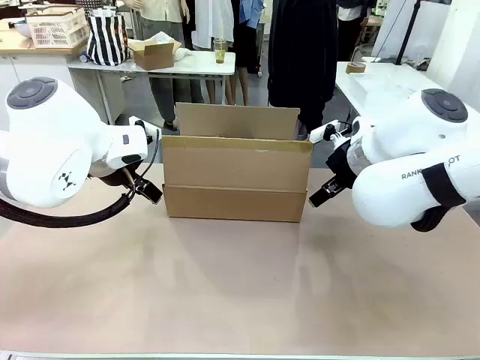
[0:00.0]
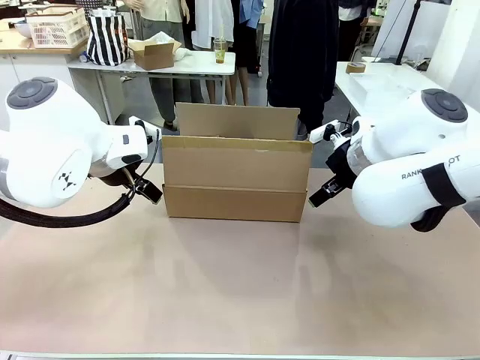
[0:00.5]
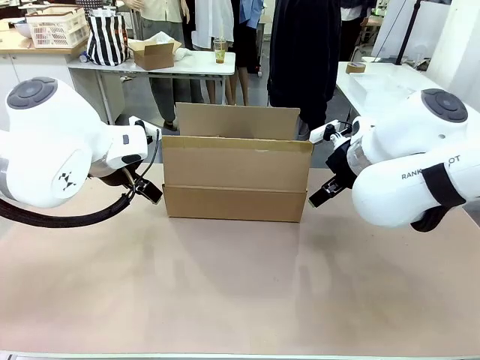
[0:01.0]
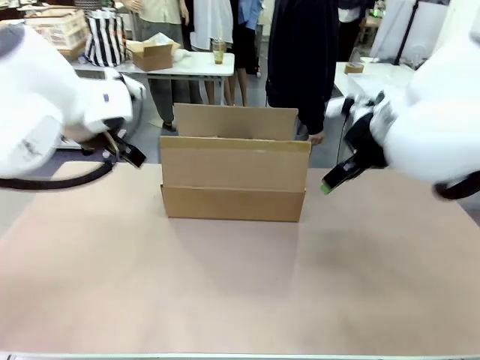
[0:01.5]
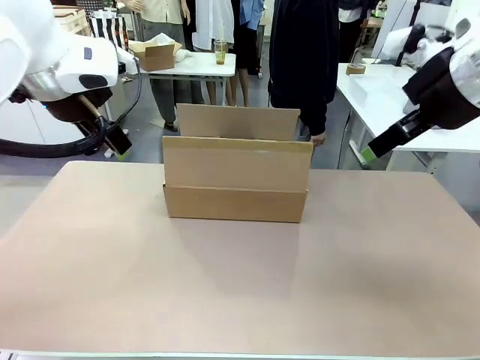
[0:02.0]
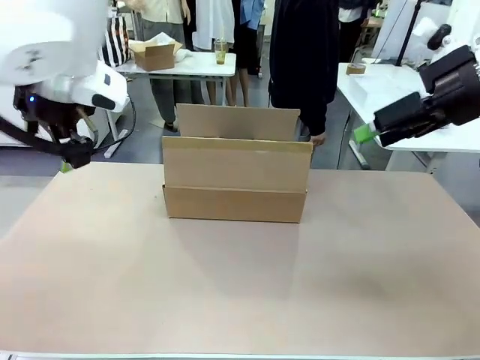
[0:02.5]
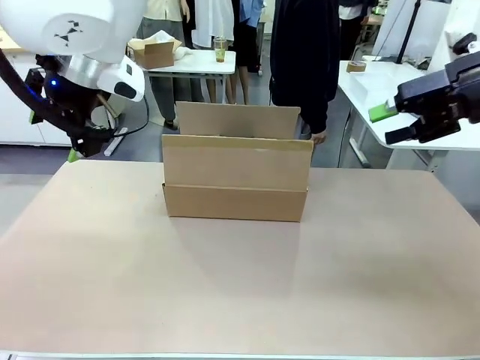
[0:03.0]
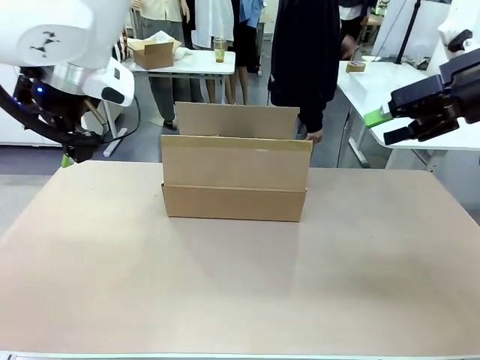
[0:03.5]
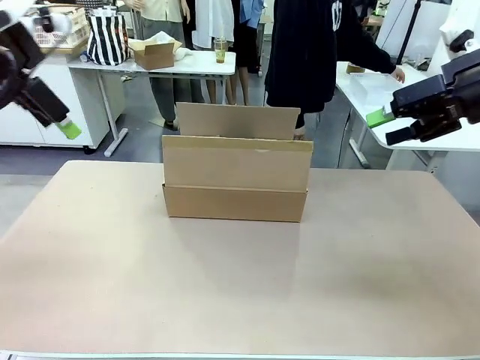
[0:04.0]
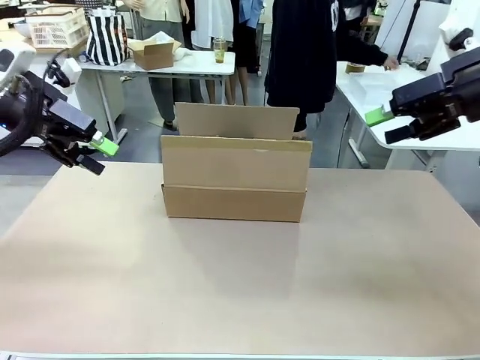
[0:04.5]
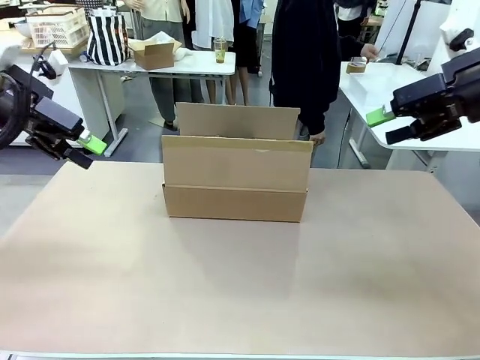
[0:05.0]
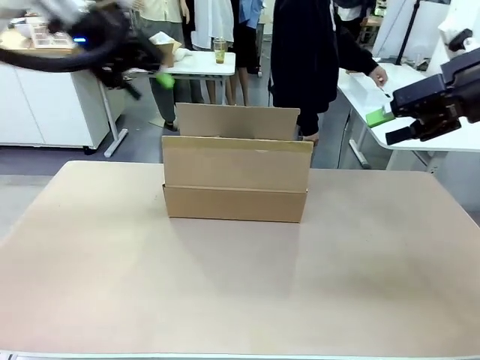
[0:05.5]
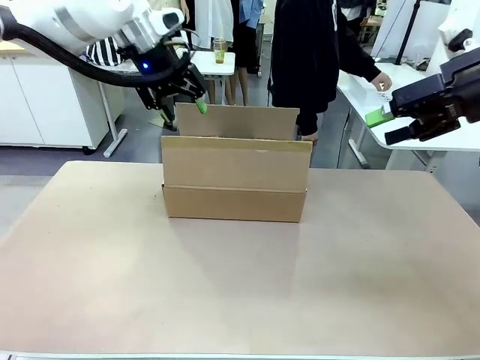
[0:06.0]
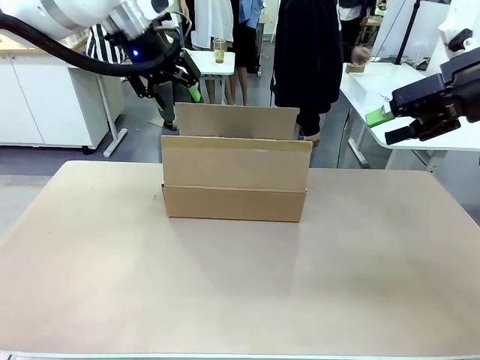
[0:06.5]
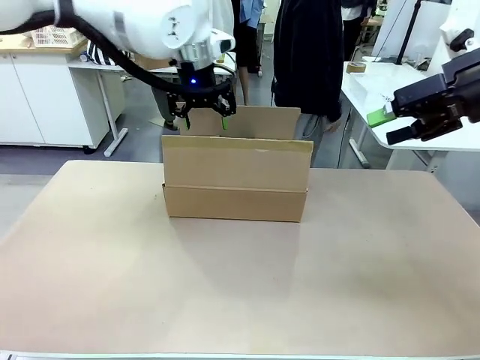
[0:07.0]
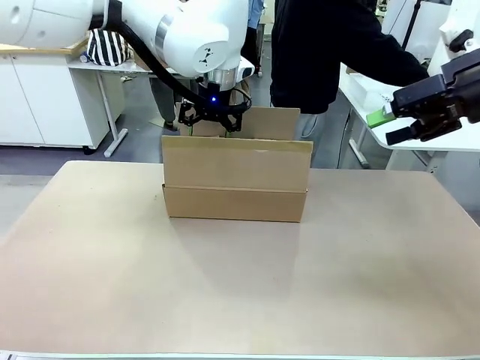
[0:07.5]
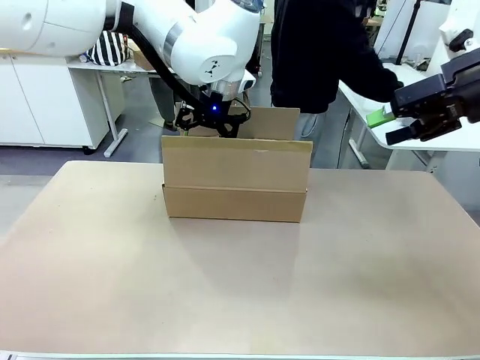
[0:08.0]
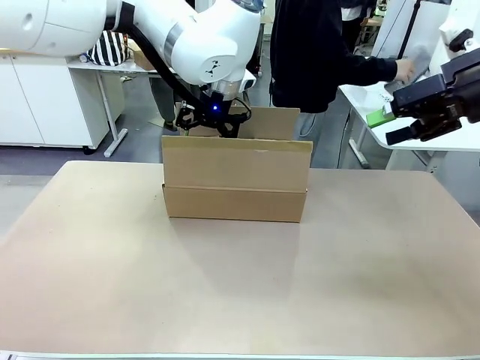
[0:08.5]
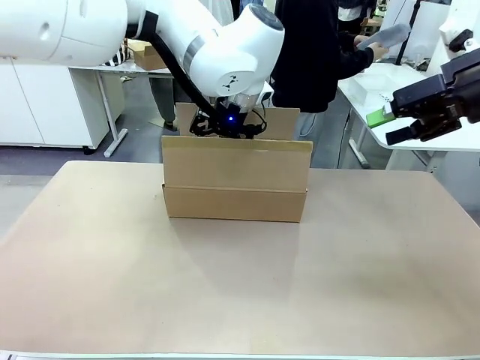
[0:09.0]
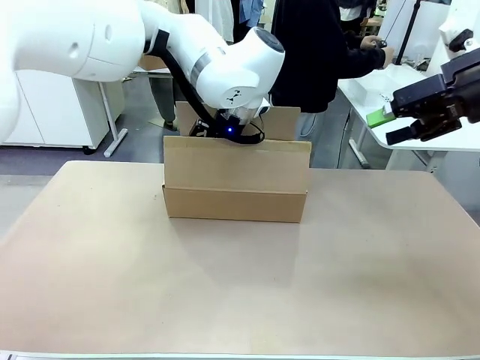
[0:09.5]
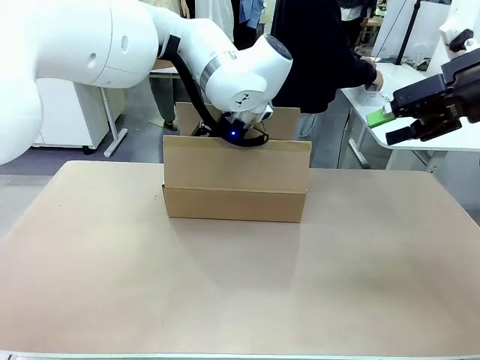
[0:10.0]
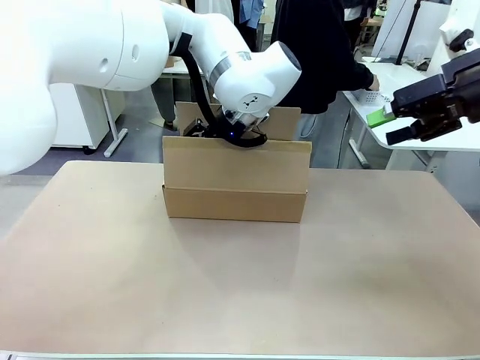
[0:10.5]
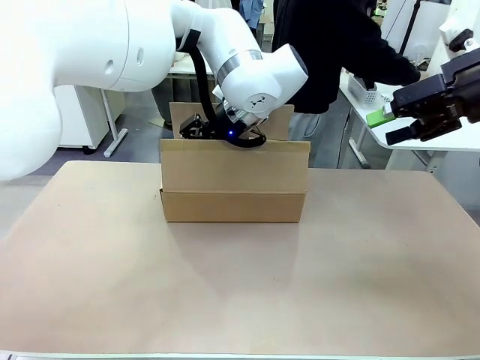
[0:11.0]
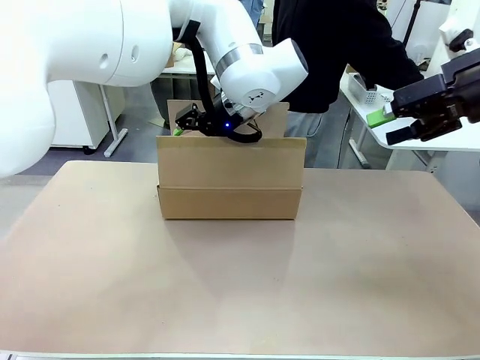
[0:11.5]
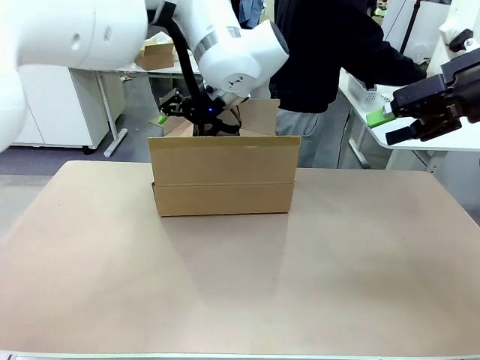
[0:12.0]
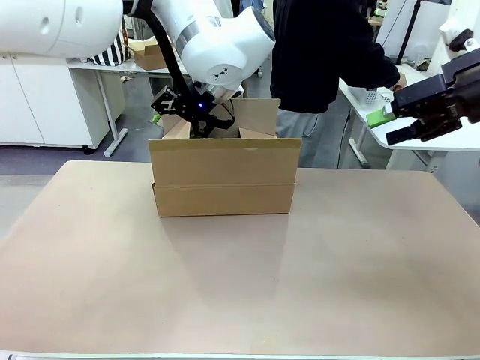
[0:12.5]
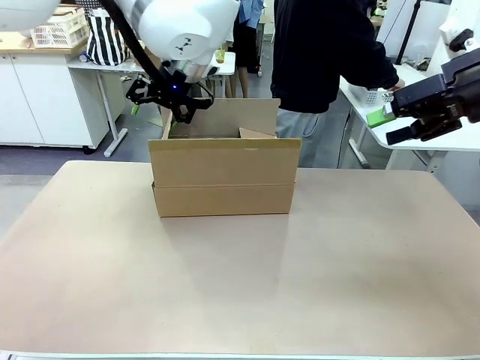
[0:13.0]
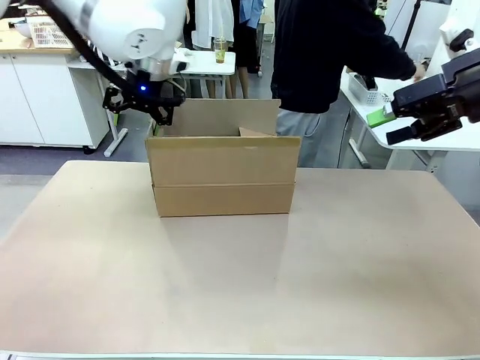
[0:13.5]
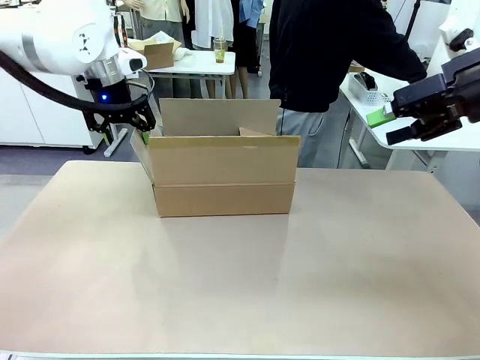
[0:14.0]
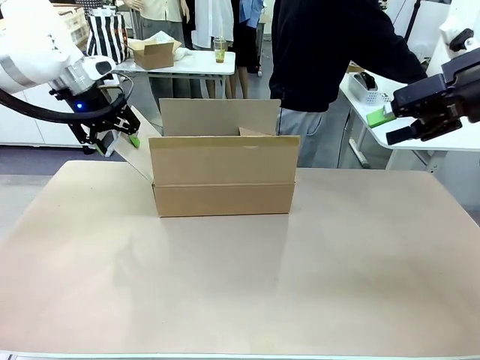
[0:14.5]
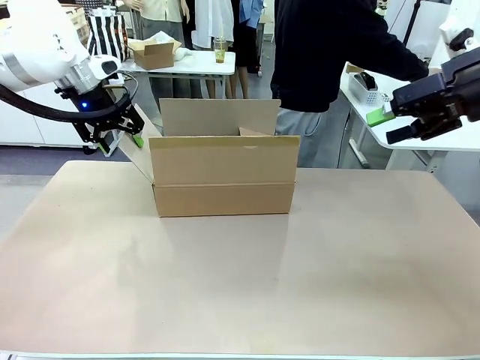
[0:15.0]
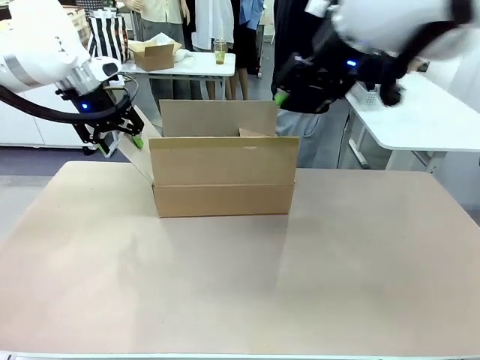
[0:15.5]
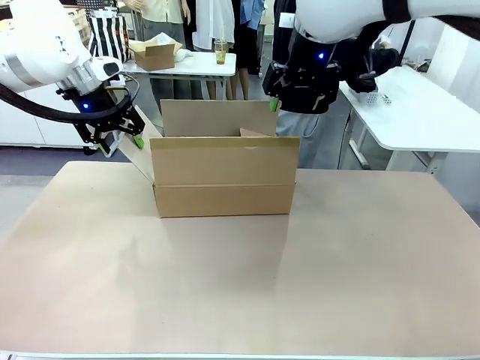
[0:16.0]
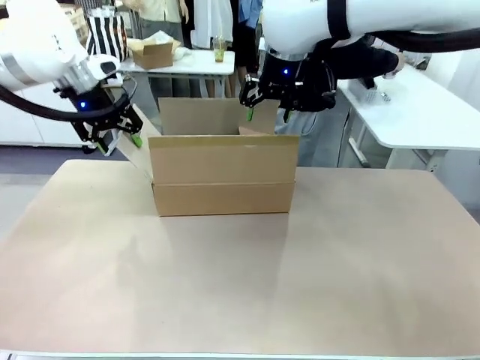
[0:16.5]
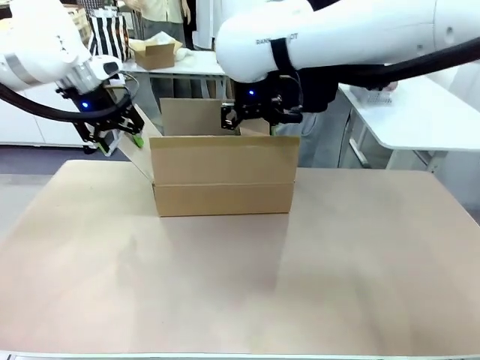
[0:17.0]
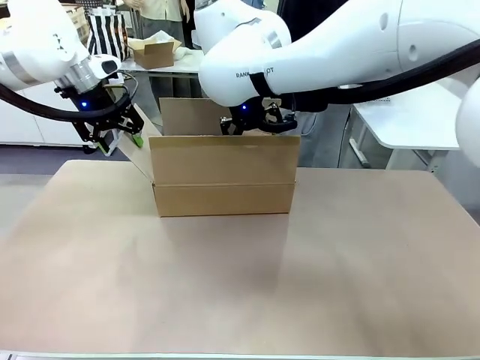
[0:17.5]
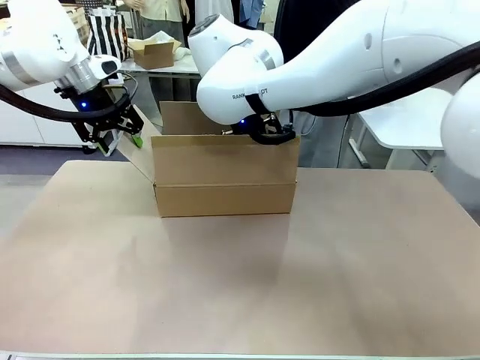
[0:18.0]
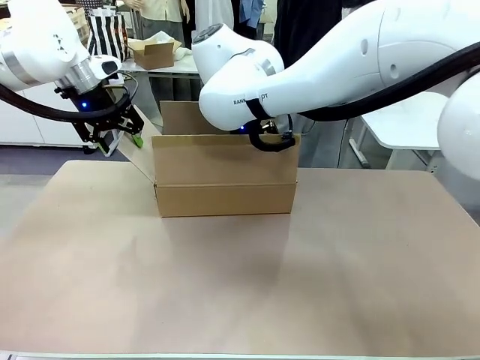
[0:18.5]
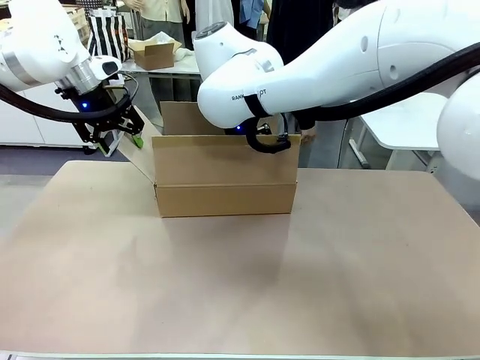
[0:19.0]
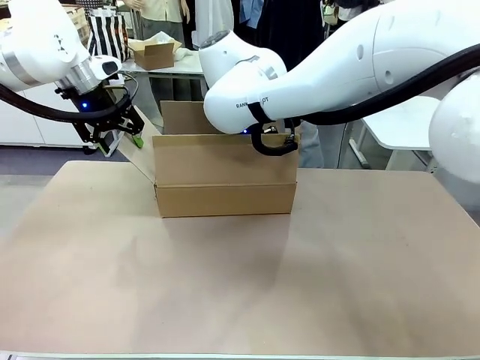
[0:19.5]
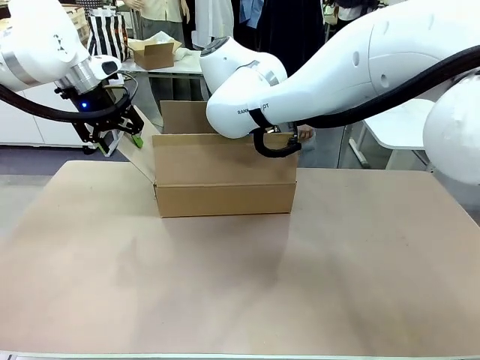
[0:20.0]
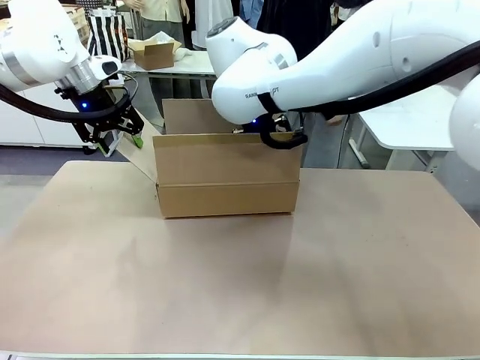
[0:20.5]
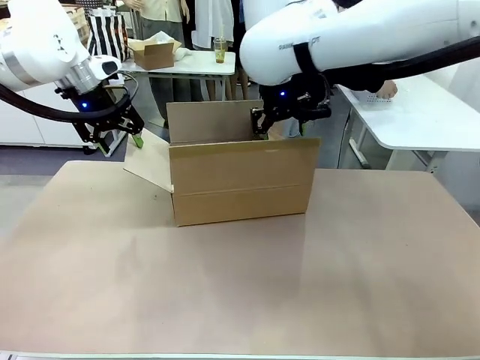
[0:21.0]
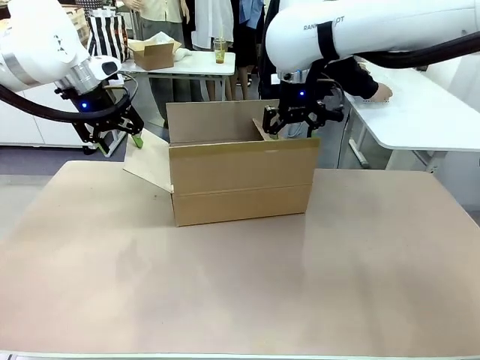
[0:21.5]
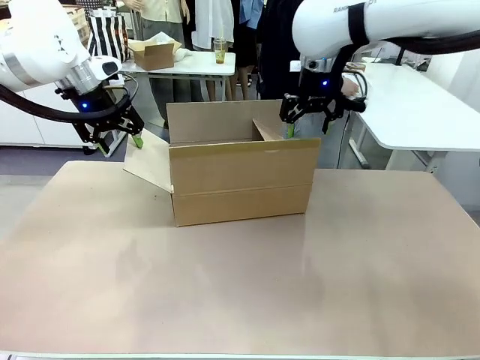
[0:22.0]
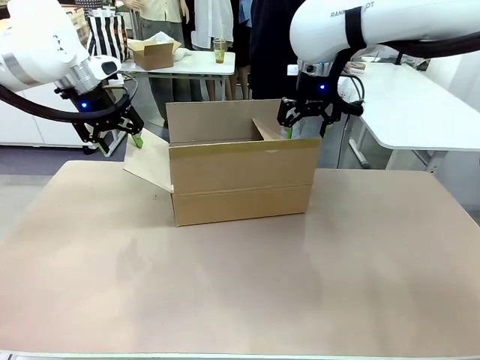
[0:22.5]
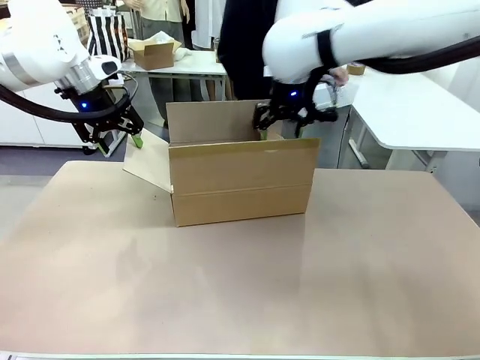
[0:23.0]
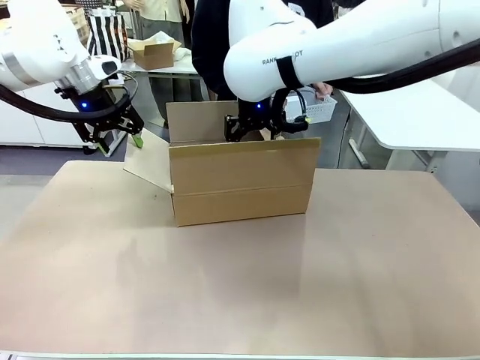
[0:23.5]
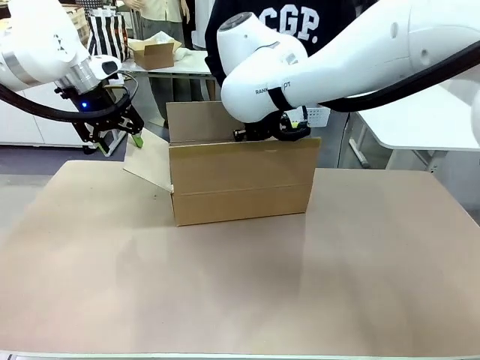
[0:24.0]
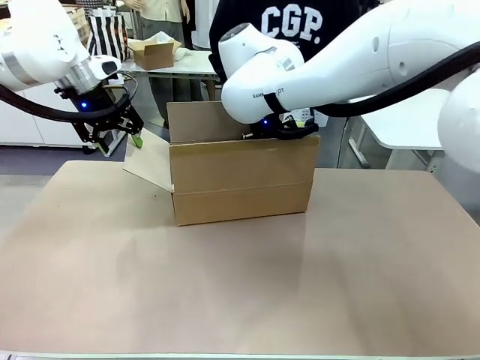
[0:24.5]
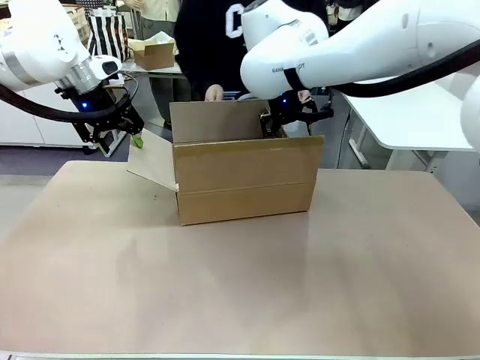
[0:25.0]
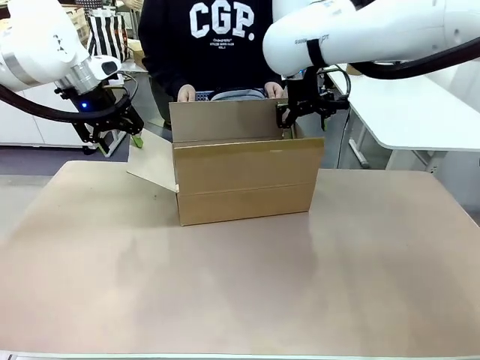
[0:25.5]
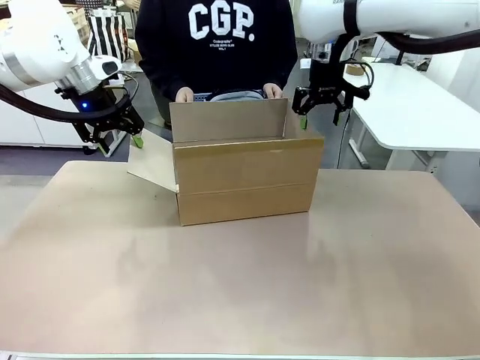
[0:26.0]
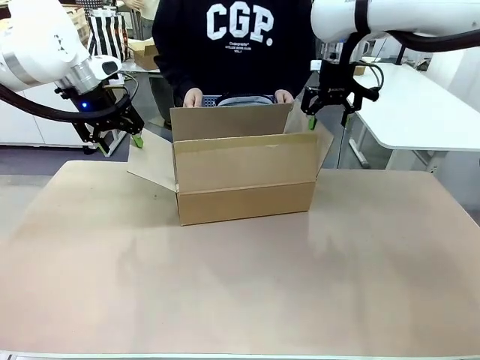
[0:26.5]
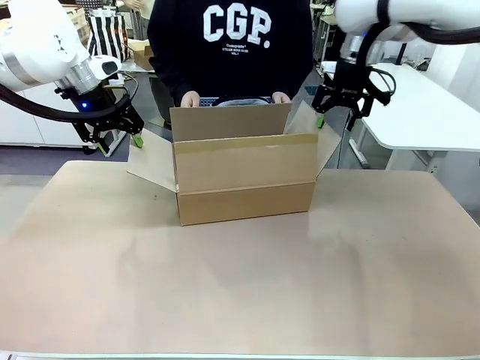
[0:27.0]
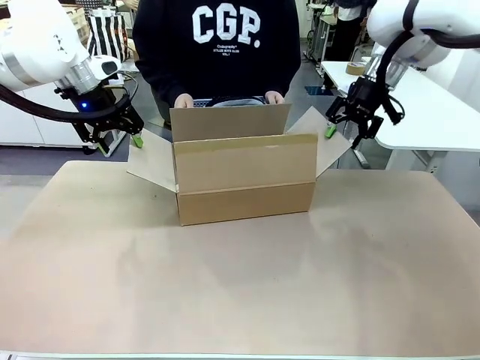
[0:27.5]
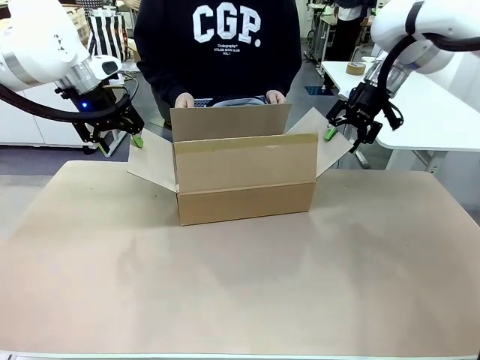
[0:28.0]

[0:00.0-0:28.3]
Task: Pack the gift set into the box.
Robot: Place both hands on the side flaps of the Package Box and spread them outward.
Person: The human places all items except the paper tape into the organizing basket. The human picks up the organizing basket and places the organizing basket into the package box on the robot table.
